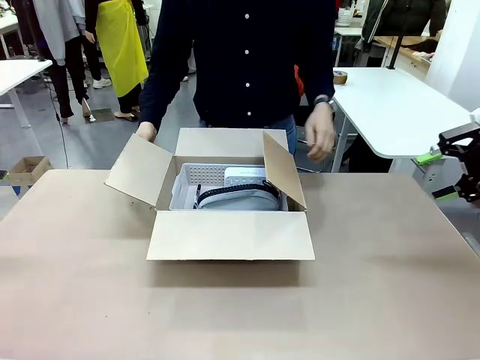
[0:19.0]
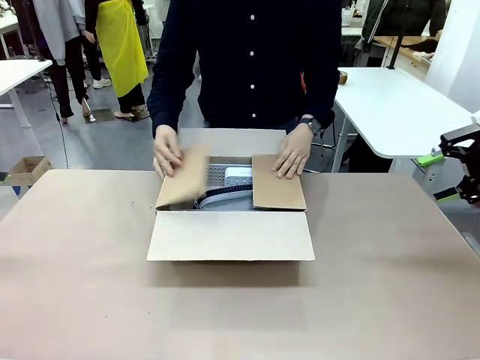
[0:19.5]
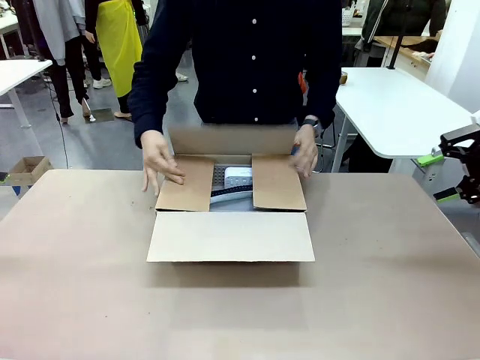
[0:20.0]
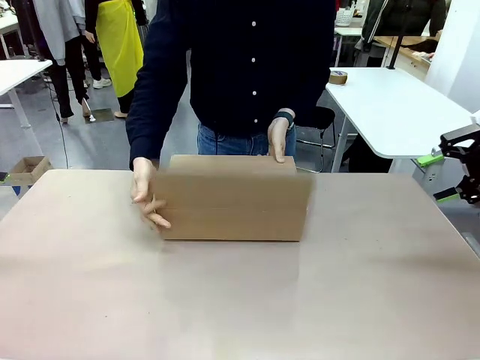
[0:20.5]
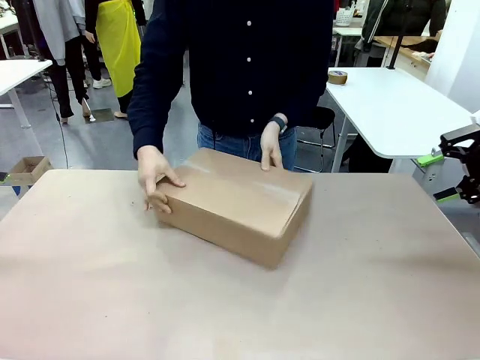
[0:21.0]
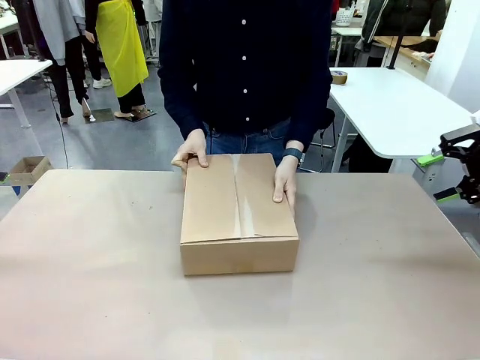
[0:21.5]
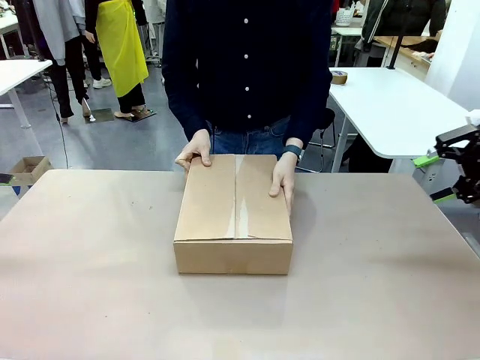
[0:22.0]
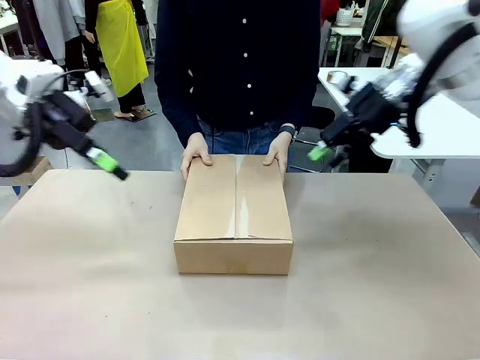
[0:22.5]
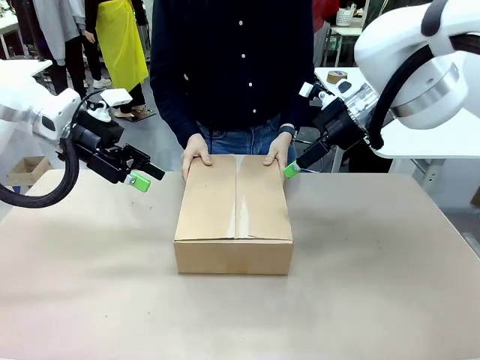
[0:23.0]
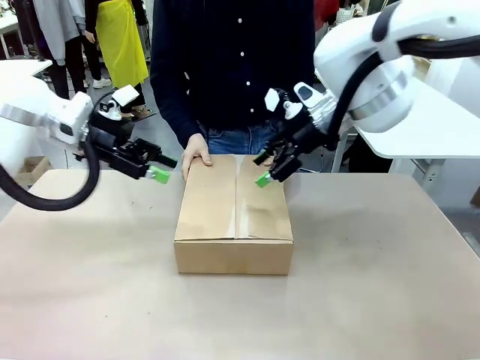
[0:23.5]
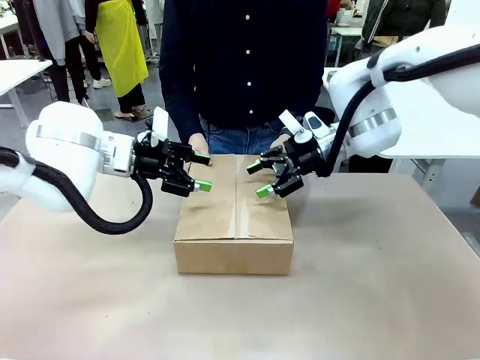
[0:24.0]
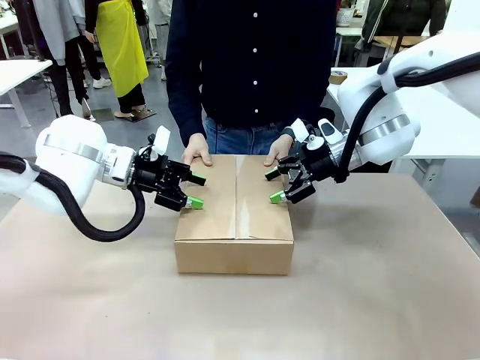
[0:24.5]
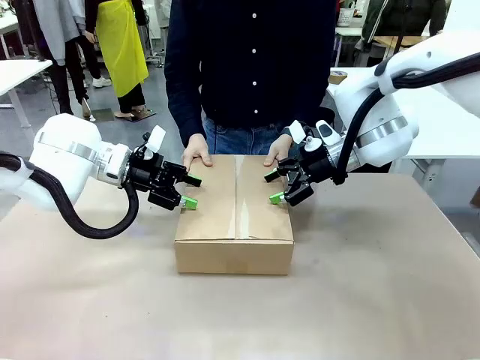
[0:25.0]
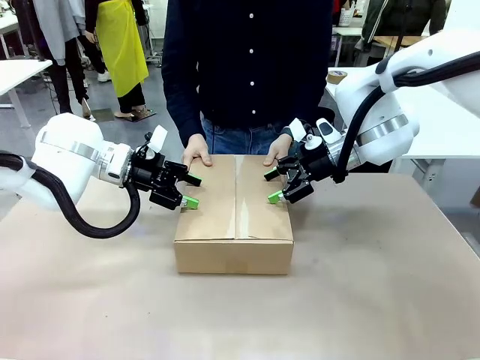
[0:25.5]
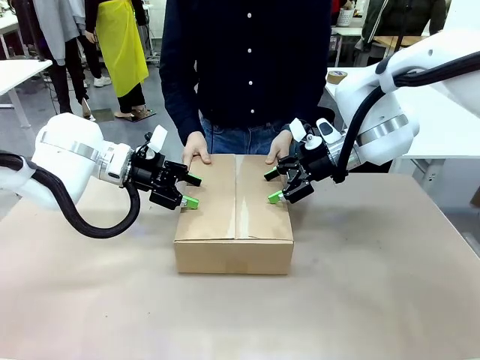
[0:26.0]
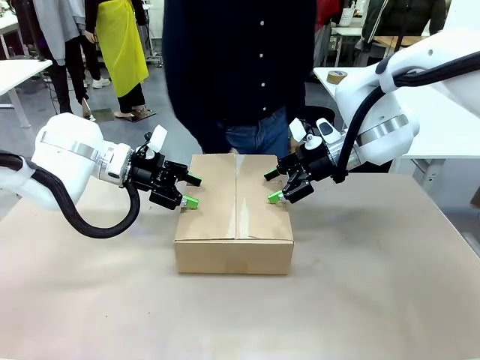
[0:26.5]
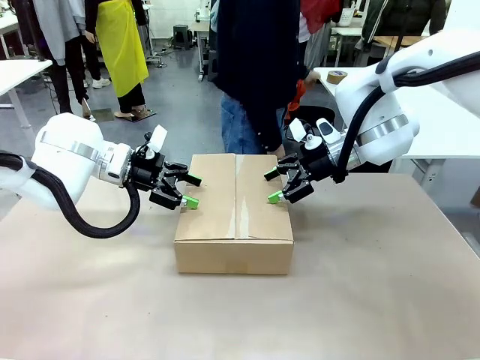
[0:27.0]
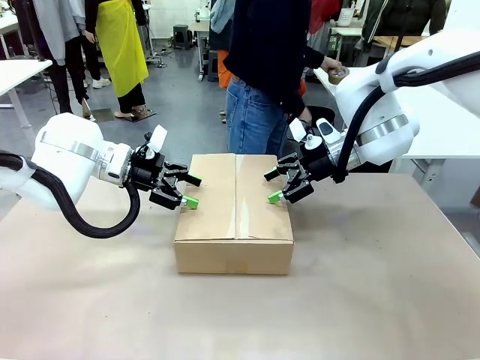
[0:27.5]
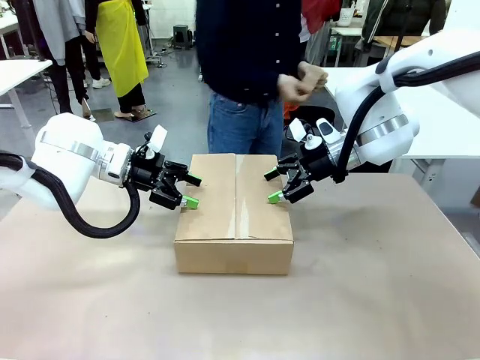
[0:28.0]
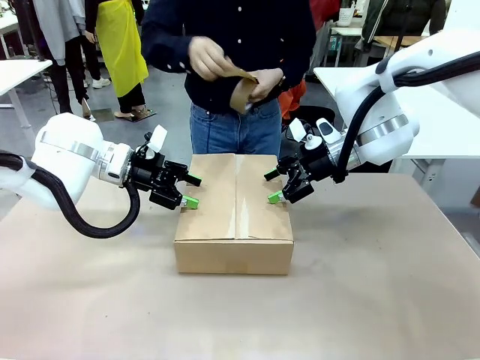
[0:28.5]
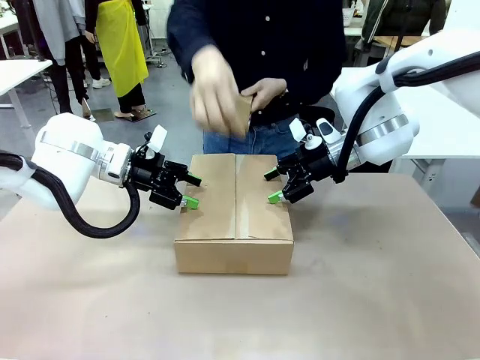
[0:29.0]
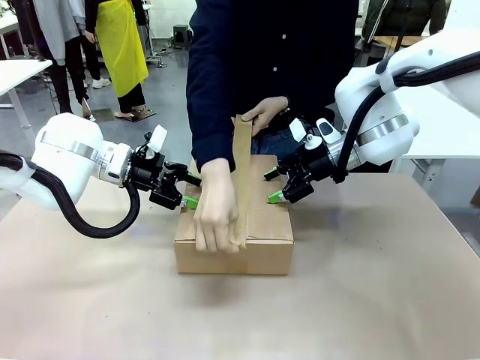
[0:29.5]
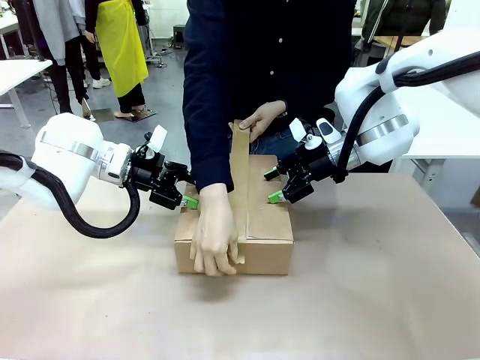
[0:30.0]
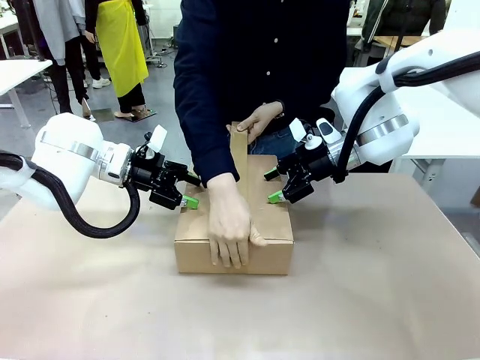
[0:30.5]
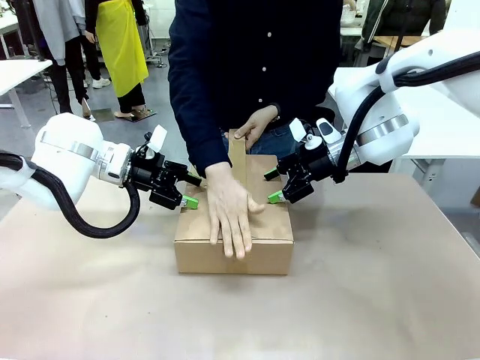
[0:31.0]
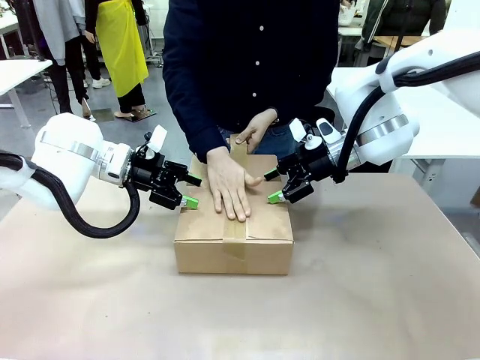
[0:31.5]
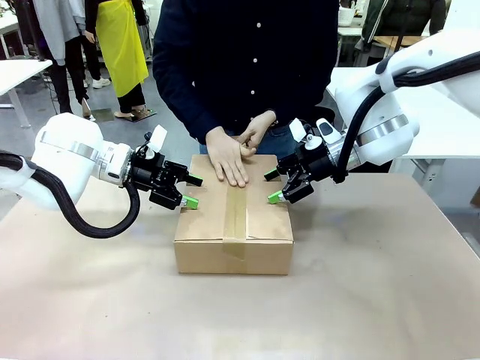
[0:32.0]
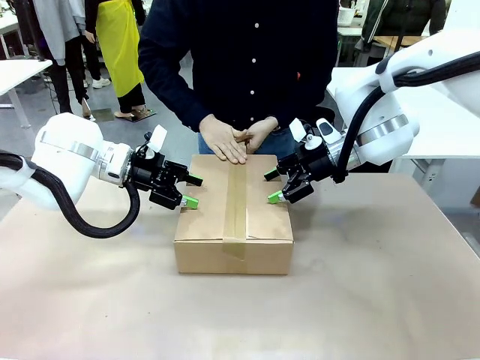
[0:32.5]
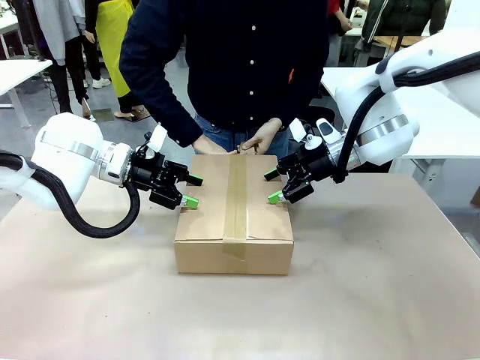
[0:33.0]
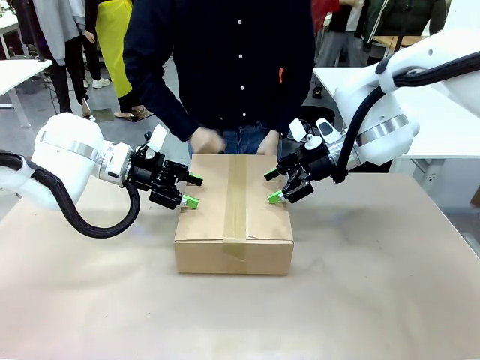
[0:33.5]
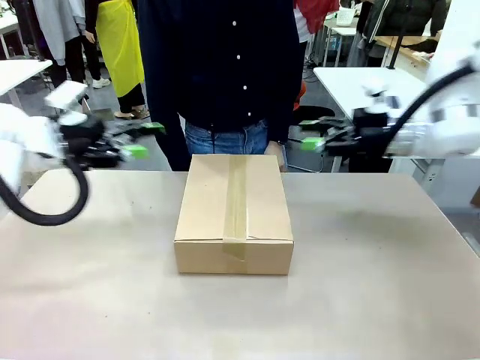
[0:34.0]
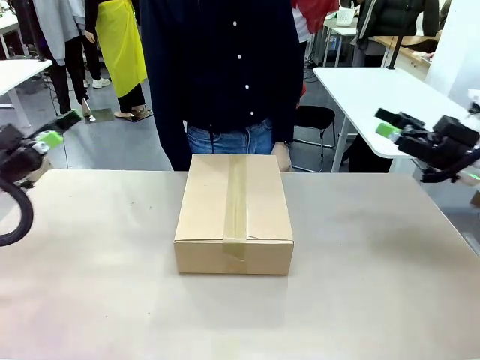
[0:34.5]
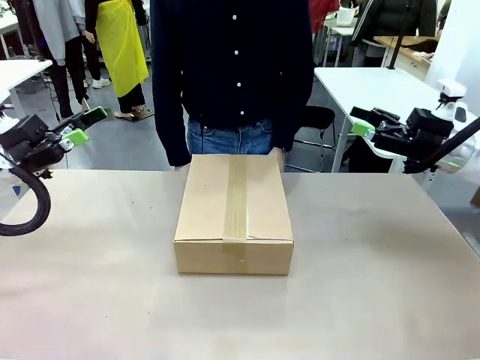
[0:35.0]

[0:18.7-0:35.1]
Task: Pack the gift set into the box.
Robot: Press and hold the closed box until the human finishes sealing it.
Person: The human closes the box and rotates the box by 90 degrees. The human picks up the paper tape from the human table and packs the box.

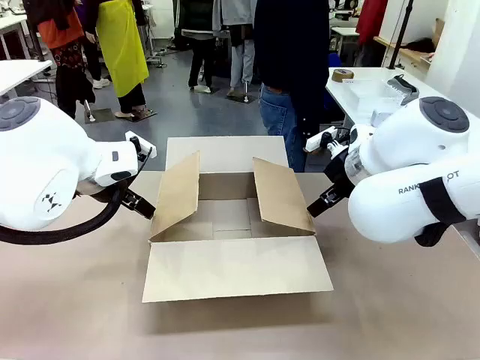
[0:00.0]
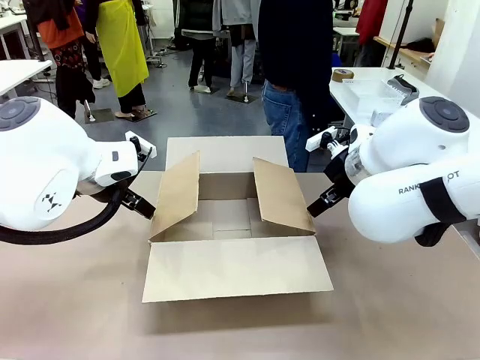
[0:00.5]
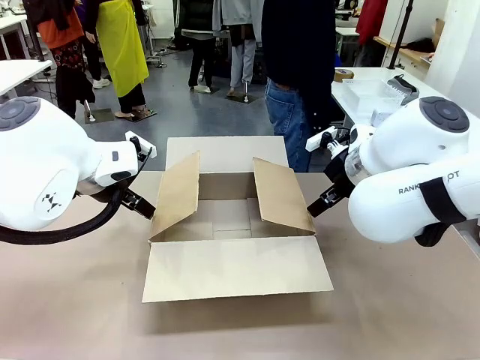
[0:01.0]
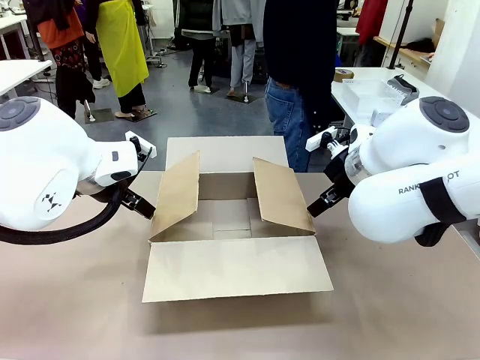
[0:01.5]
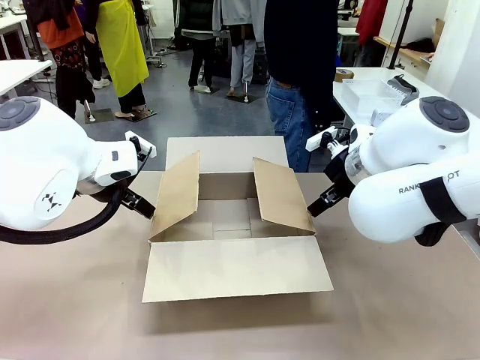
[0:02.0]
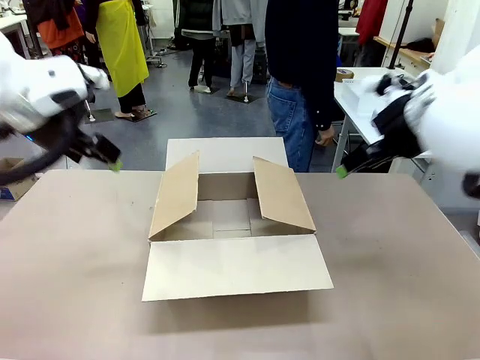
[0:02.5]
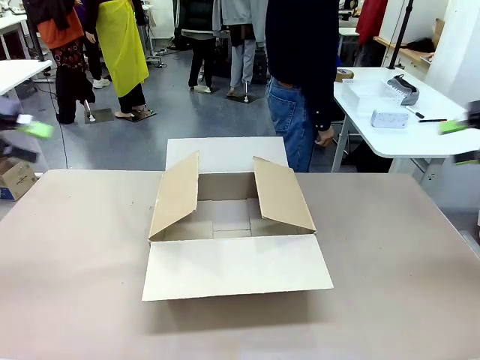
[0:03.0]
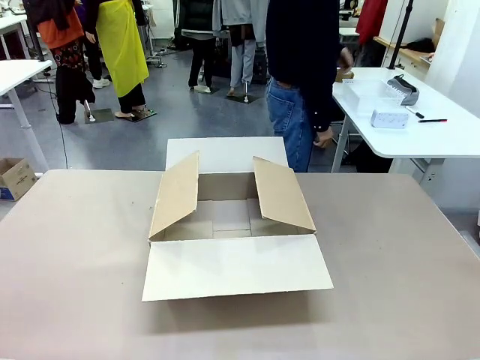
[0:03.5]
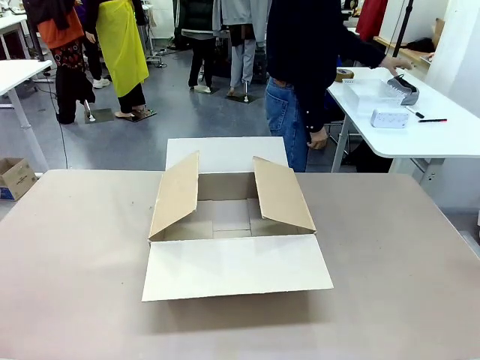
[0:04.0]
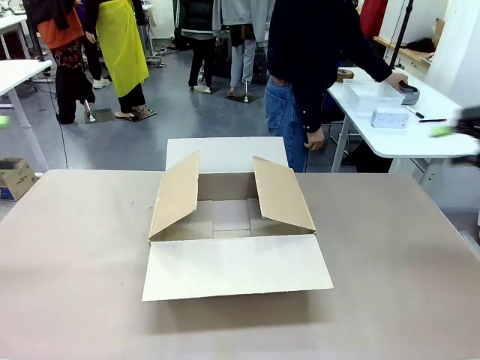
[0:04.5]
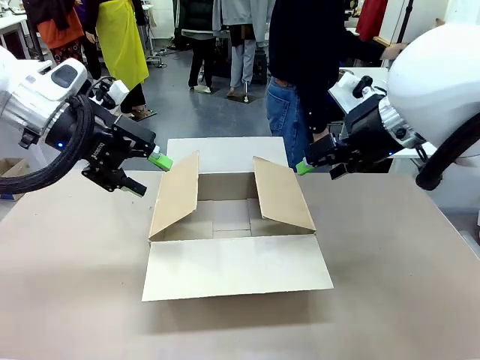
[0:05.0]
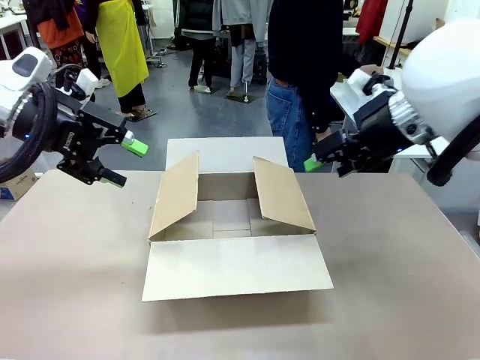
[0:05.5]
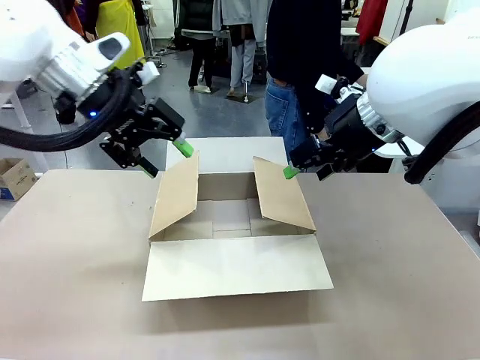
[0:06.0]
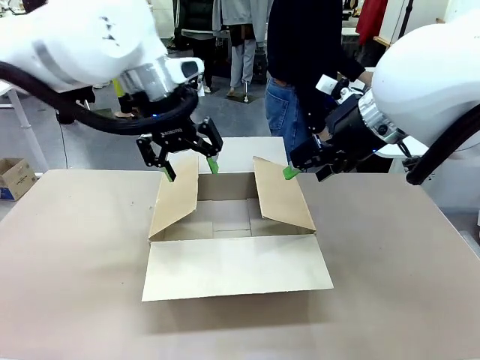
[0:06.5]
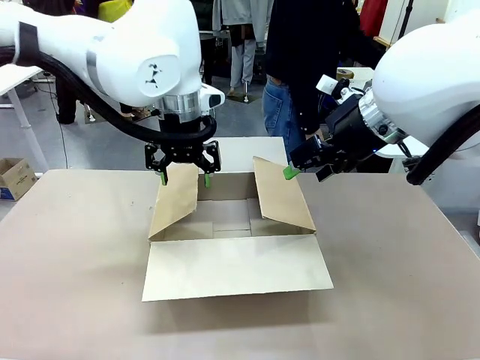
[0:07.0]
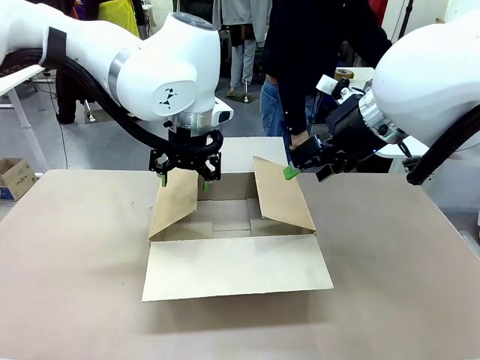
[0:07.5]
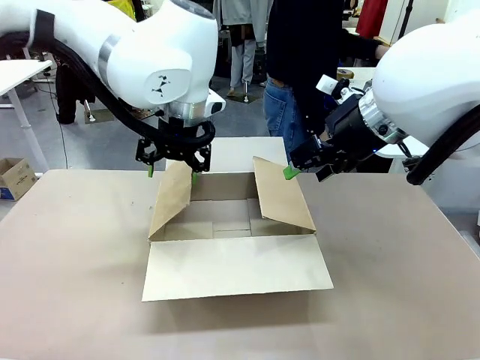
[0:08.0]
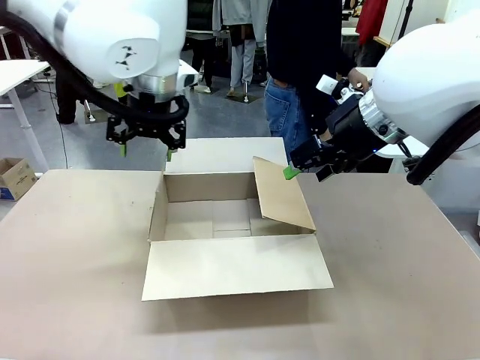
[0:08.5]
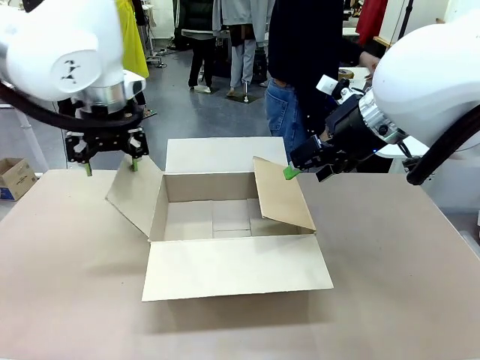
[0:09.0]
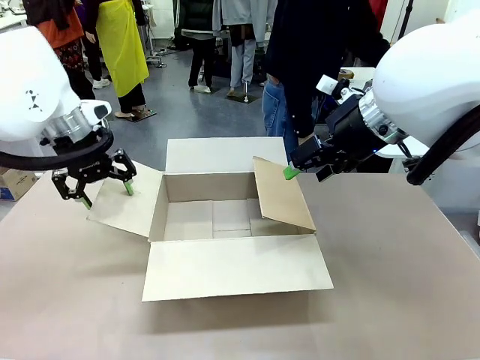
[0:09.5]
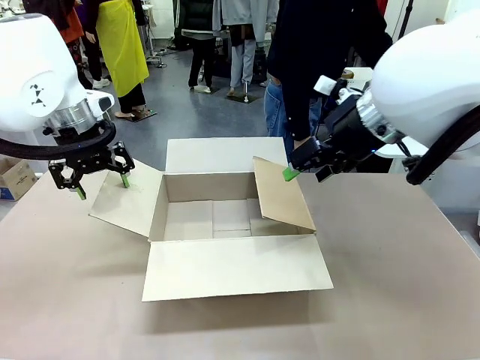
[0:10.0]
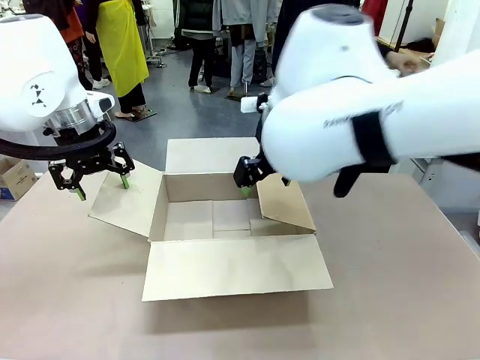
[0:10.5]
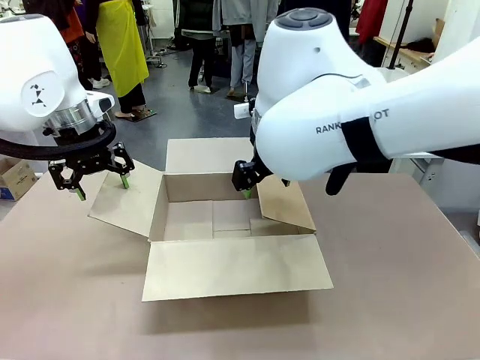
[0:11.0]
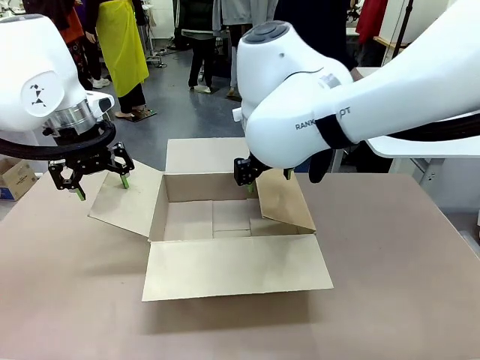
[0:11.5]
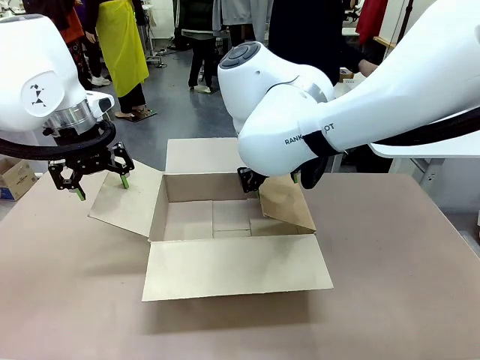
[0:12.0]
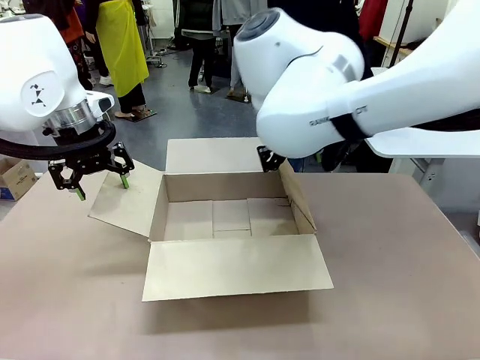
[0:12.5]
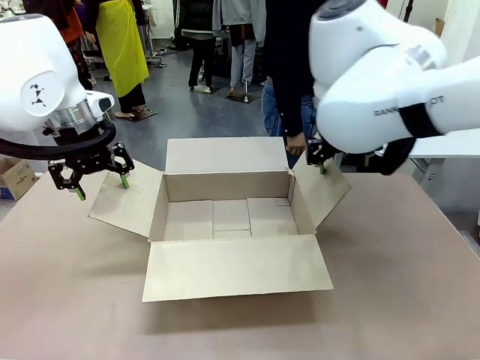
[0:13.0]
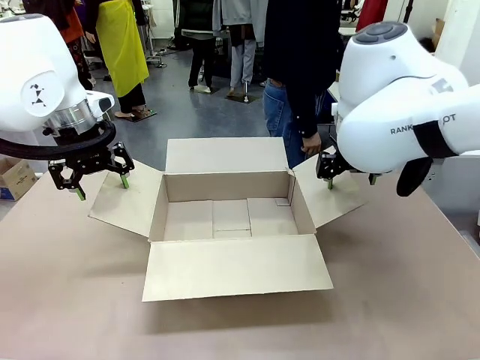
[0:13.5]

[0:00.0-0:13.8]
Task: Pack the gift set into the box.
Robot: Place both hands on the side flaps of the Package Box and spread them outward.
Person: The human places all items except the paper tape into the organizing basket.
